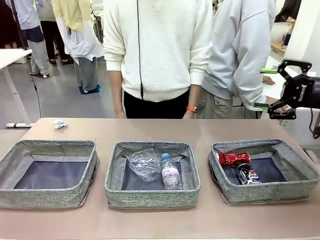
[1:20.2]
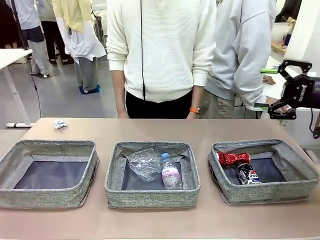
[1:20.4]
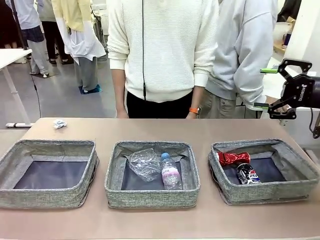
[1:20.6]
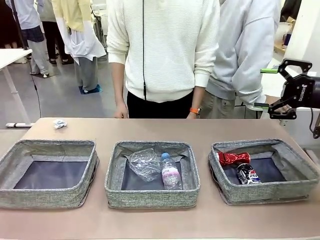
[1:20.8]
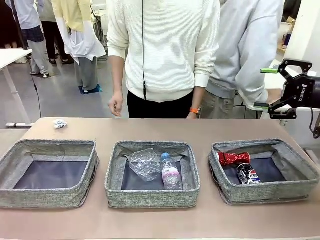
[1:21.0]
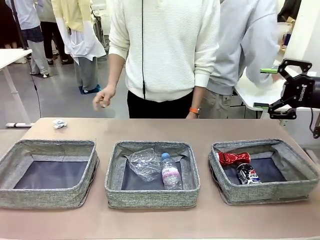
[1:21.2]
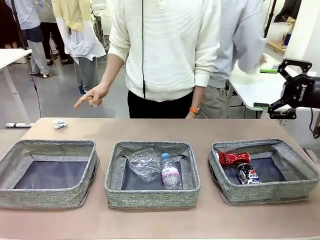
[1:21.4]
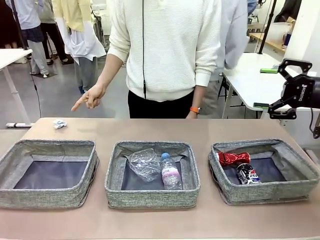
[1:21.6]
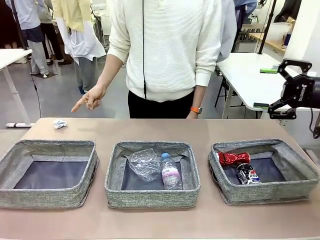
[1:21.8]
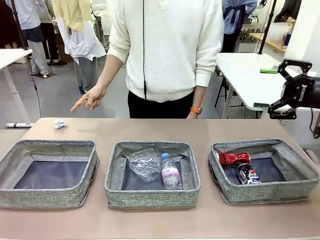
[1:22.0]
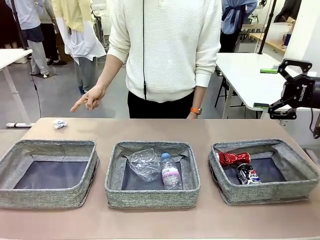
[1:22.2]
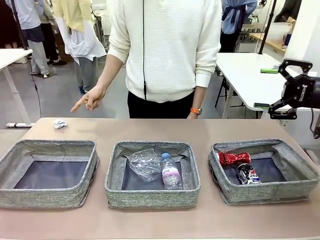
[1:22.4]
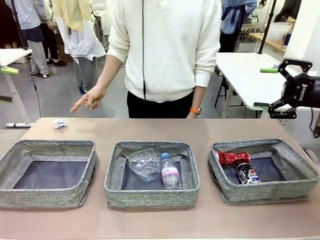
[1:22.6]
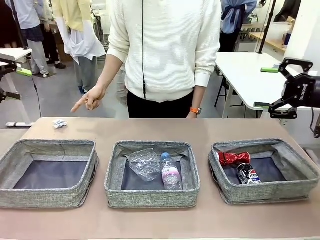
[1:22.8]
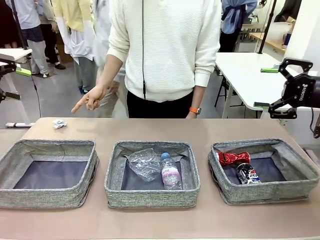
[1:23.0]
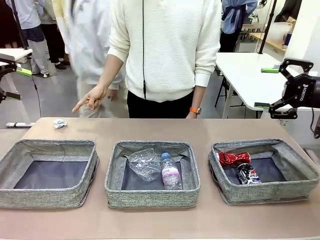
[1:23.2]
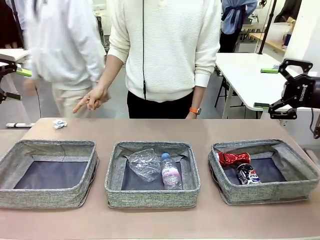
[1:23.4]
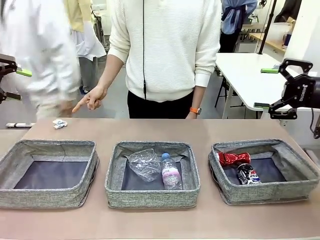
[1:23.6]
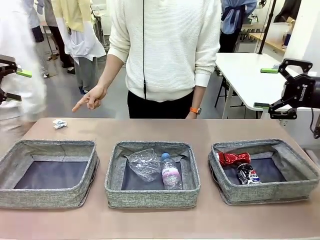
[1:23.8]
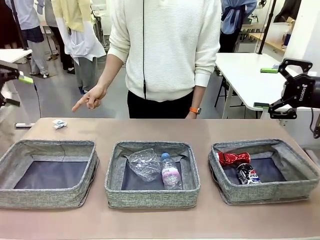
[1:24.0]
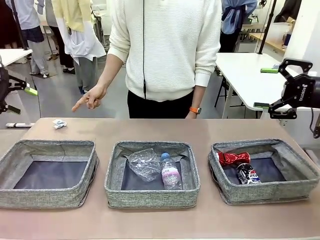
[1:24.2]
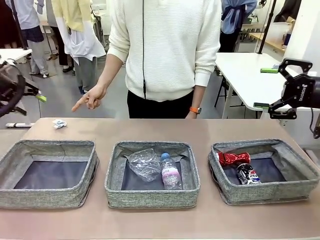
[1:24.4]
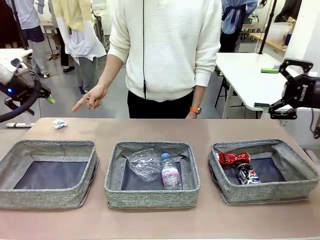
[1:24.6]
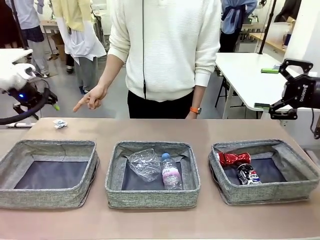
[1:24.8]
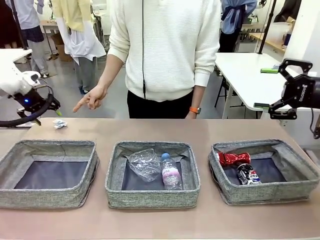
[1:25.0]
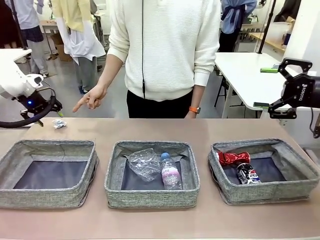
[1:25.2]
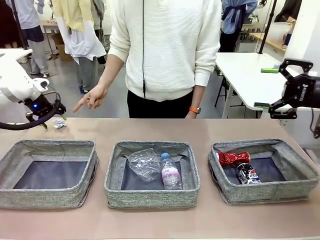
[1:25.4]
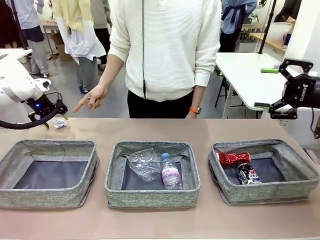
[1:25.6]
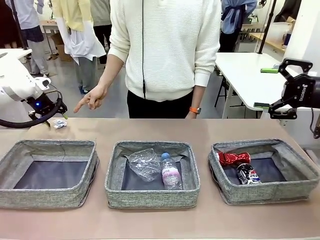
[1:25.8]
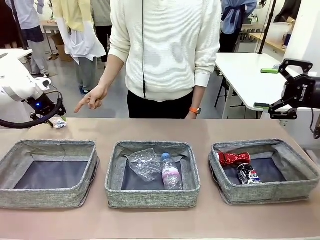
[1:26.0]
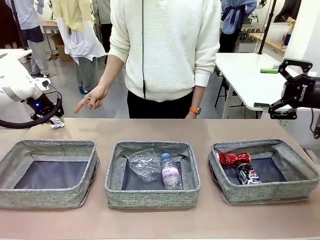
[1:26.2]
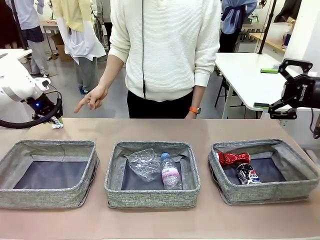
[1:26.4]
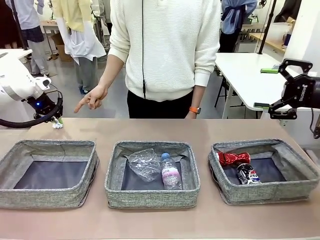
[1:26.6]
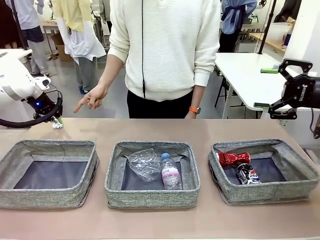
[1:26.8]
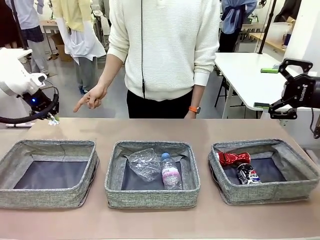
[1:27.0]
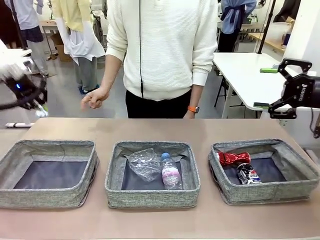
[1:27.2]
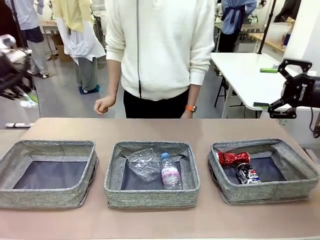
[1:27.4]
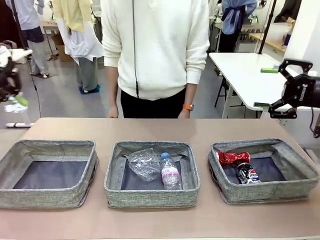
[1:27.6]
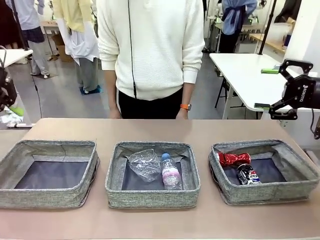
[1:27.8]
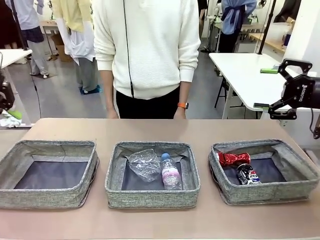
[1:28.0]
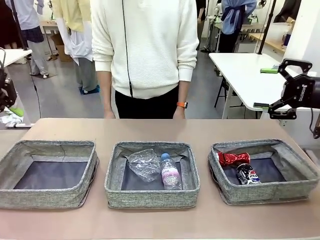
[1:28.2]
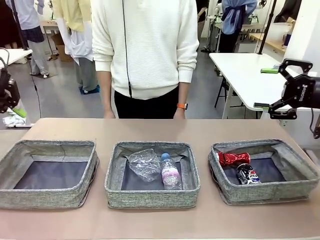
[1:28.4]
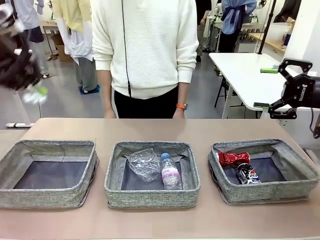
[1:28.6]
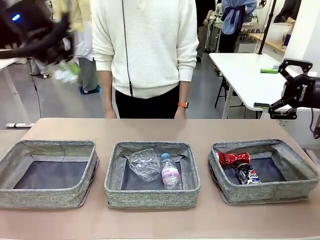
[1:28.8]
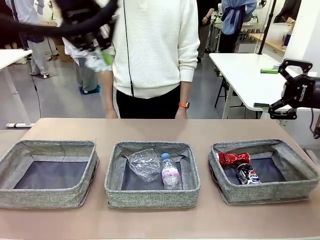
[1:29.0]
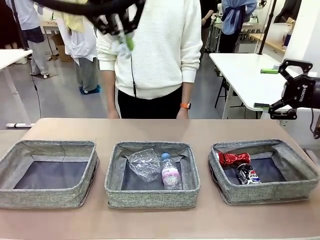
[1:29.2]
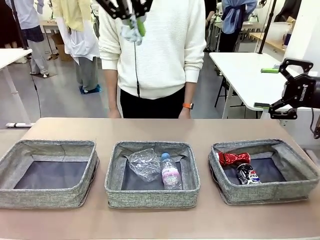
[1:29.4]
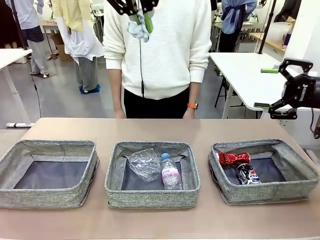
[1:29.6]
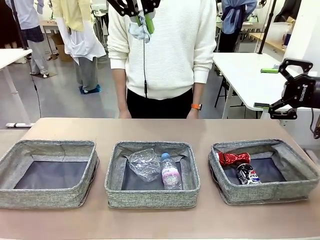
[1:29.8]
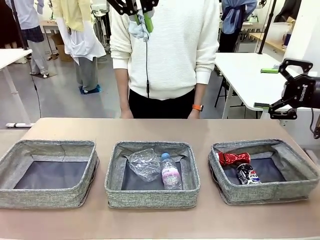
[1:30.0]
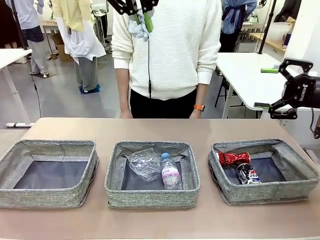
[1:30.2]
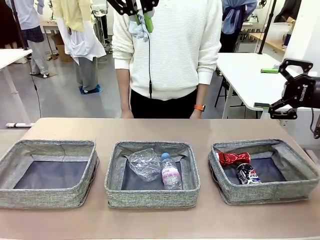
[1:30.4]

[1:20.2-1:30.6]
Task: Sort the waste into the appropriate baskets.
Robot: Pick up the waste item pointed out by the person.
Person: Points to one piece of trash on the table.

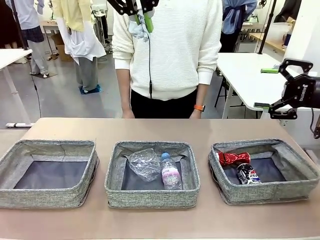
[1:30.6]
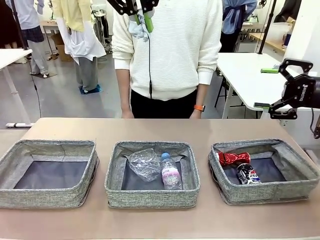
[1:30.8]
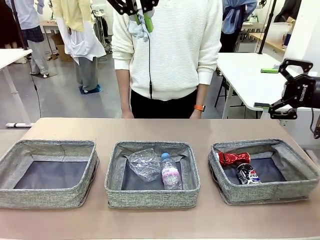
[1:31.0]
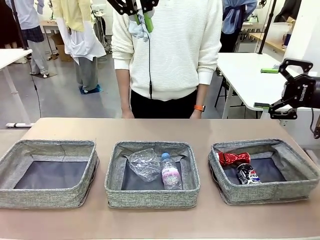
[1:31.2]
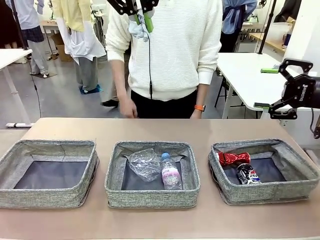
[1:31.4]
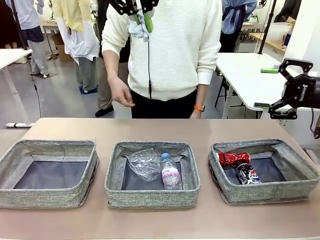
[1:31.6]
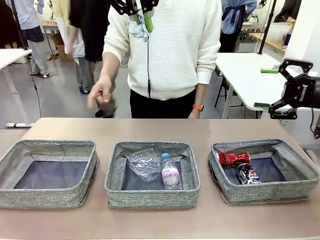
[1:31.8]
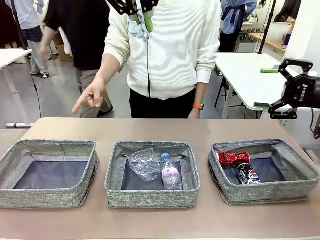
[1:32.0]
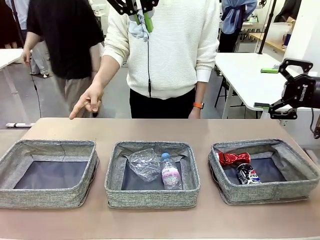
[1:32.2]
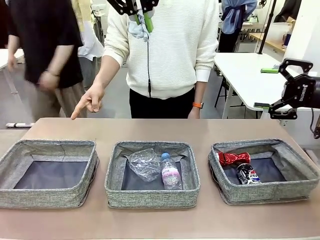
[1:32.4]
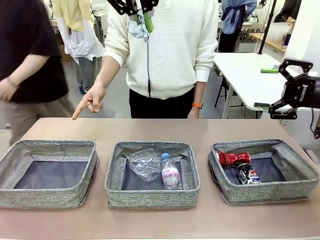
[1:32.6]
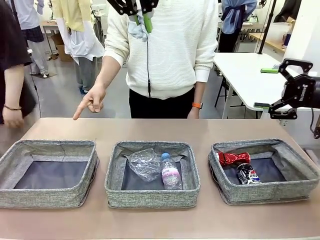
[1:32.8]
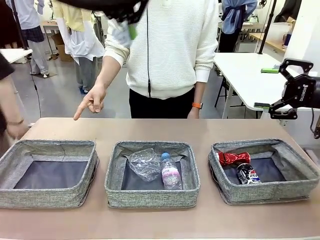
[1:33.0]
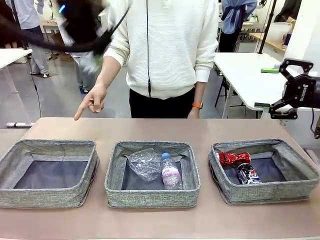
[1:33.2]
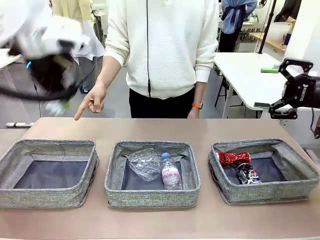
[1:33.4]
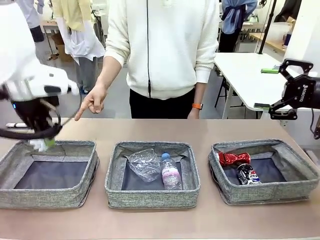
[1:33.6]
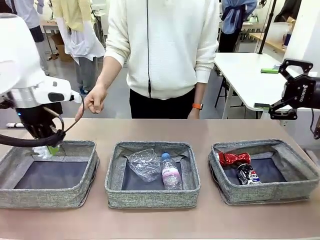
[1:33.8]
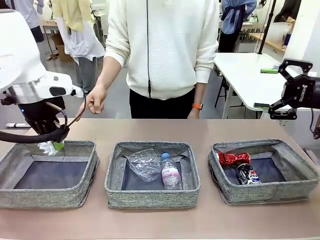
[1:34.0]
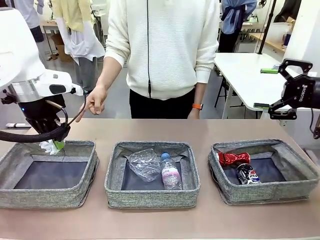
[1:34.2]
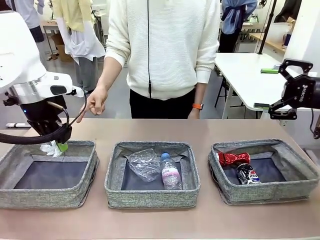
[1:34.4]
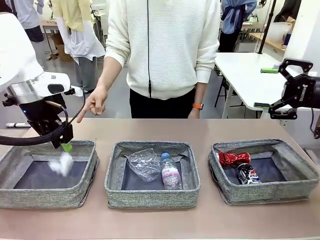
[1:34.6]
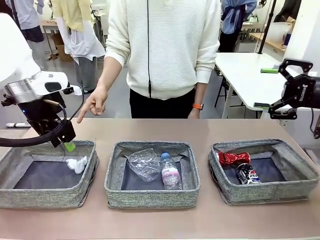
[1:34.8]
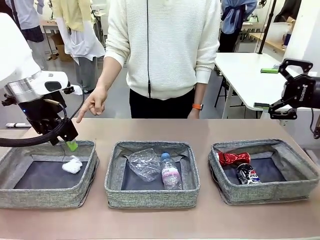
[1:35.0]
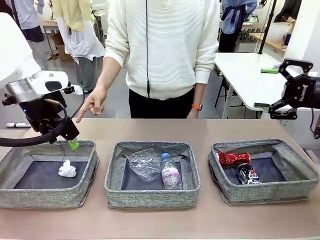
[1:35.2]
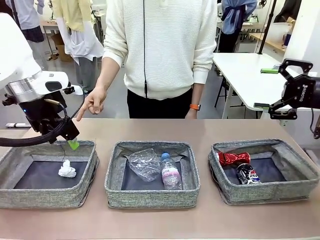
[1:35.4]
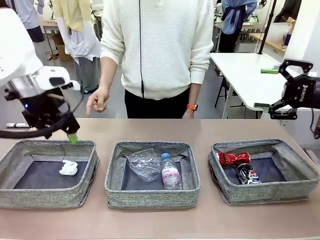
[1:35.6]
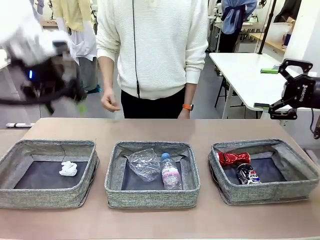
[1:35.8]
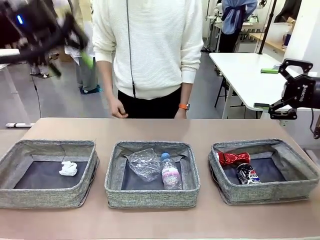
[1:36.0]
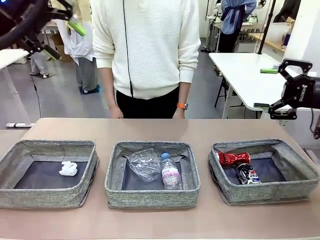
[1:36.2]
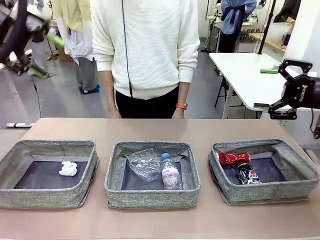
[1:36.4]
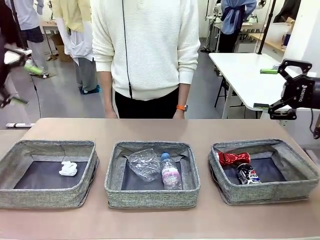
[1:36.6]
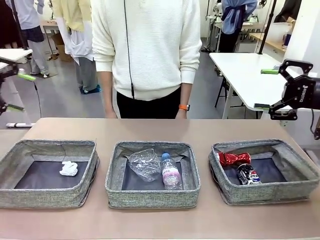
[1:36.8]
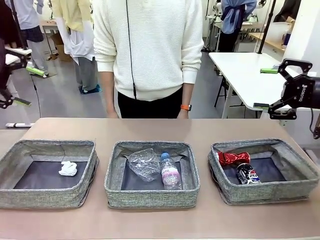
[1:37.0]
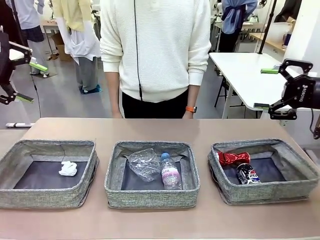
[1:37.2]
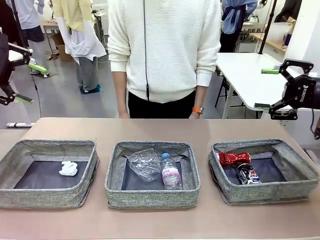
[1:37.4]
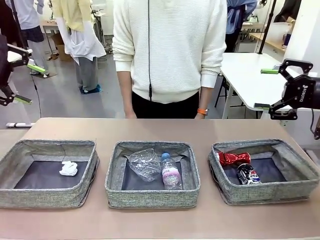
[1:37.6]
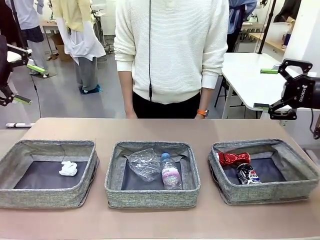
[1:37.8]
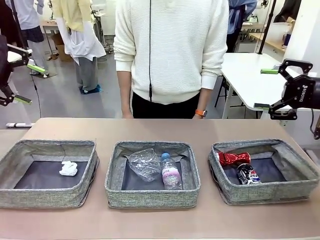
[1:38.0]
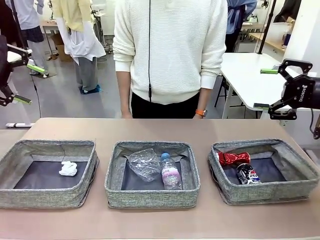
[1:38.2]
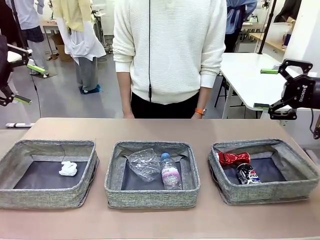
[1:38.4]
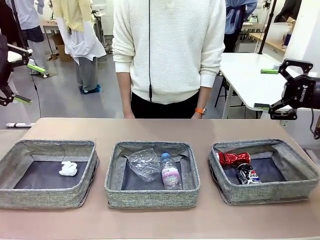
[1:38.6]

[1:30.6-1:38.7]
Robot: Place the picked waste into the Fabric basket indicated by the person.
Person: Instructs the robot to place the picked-up trash into the appropriate organizing basket.
